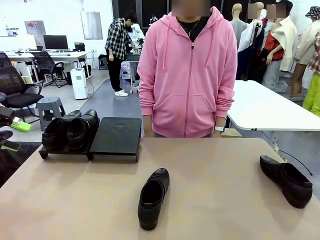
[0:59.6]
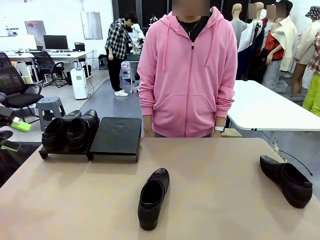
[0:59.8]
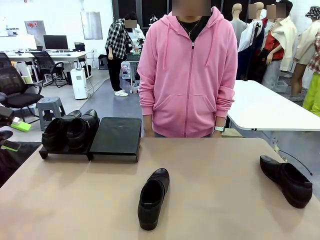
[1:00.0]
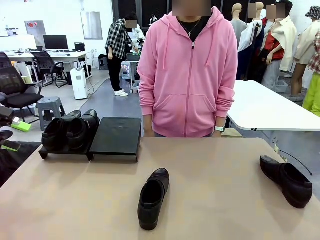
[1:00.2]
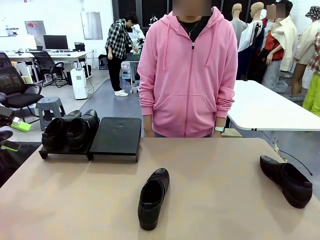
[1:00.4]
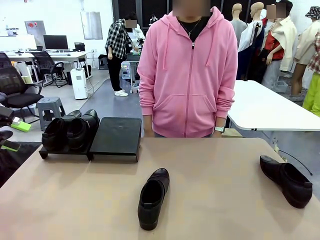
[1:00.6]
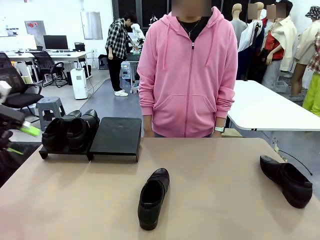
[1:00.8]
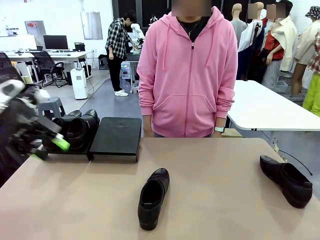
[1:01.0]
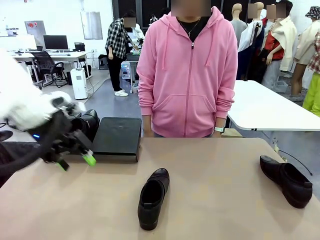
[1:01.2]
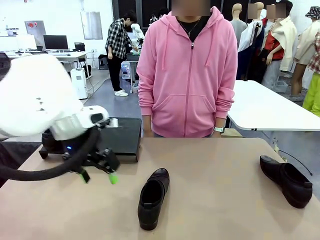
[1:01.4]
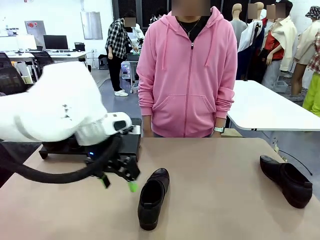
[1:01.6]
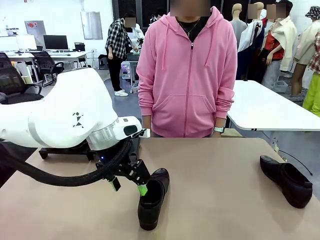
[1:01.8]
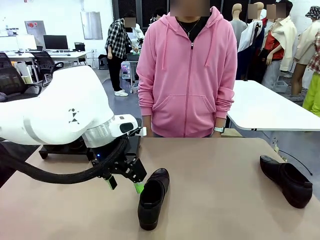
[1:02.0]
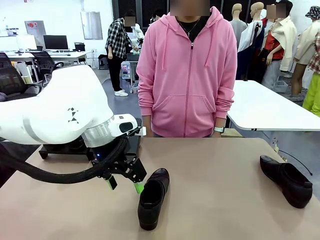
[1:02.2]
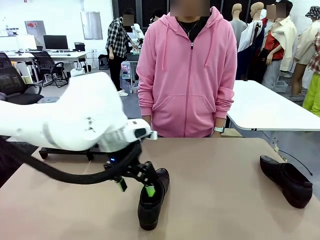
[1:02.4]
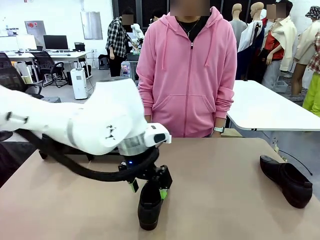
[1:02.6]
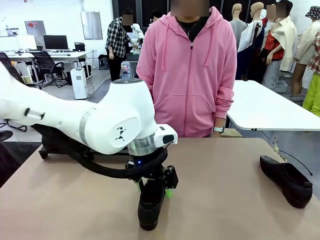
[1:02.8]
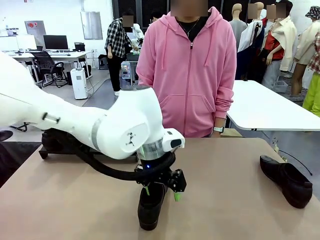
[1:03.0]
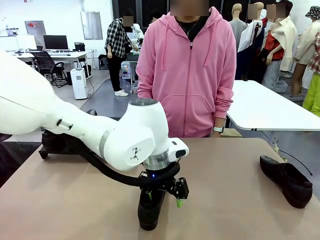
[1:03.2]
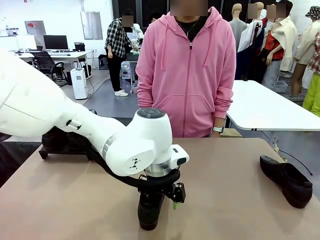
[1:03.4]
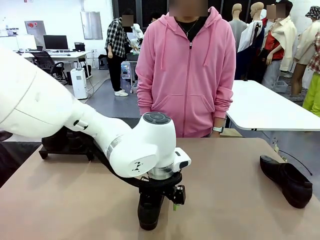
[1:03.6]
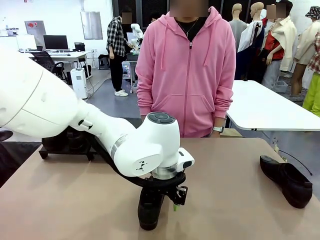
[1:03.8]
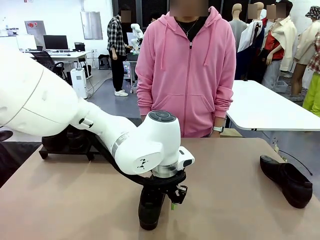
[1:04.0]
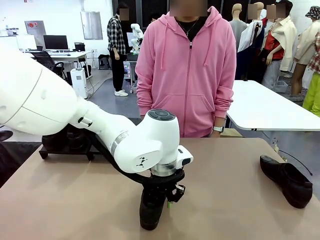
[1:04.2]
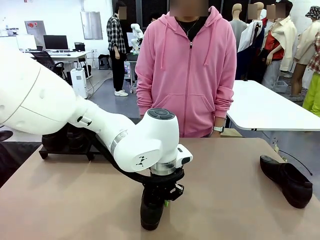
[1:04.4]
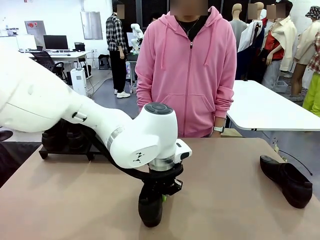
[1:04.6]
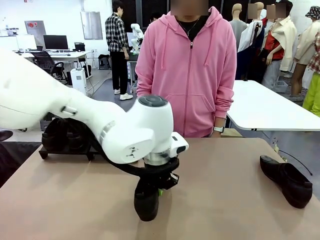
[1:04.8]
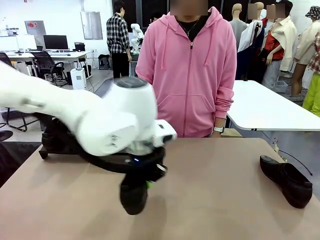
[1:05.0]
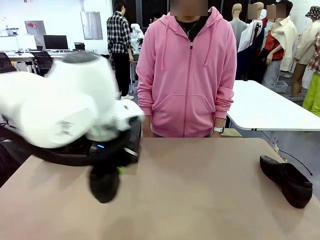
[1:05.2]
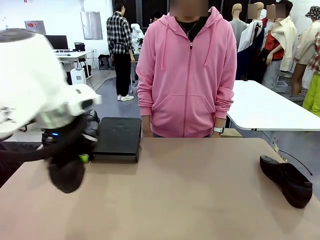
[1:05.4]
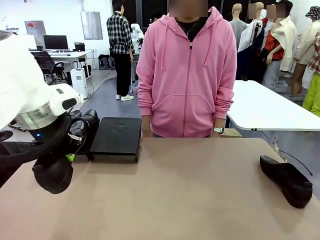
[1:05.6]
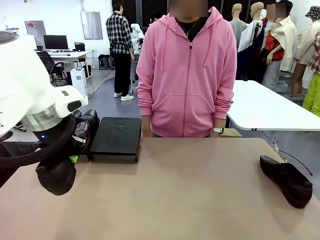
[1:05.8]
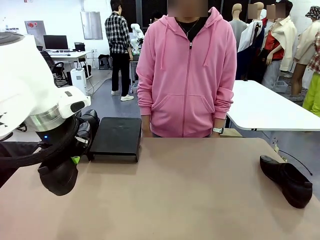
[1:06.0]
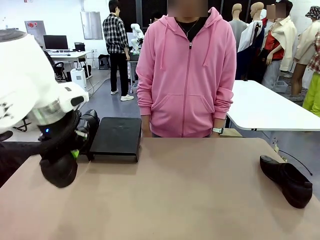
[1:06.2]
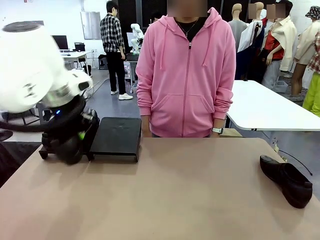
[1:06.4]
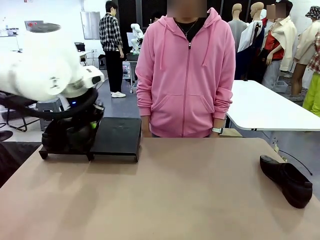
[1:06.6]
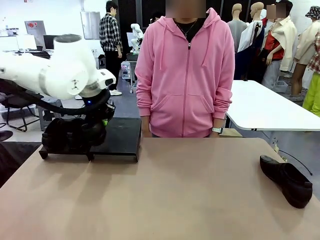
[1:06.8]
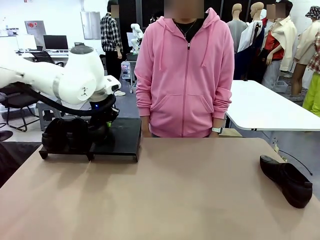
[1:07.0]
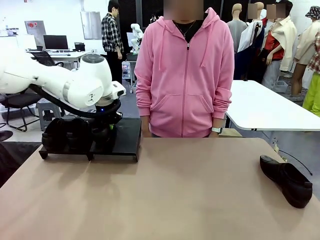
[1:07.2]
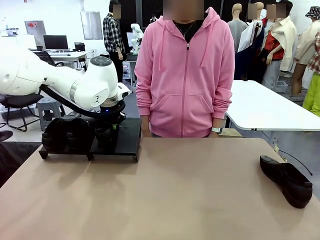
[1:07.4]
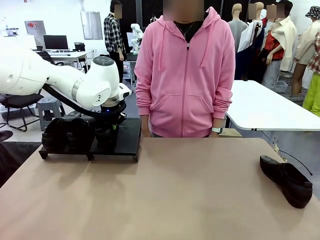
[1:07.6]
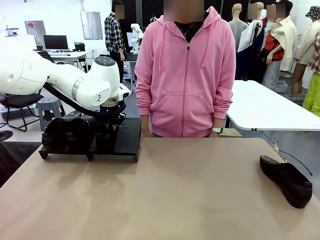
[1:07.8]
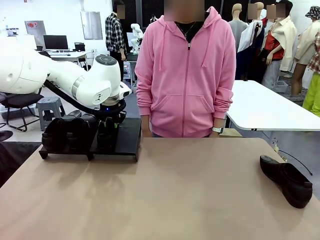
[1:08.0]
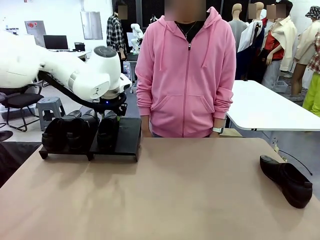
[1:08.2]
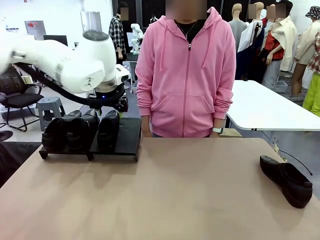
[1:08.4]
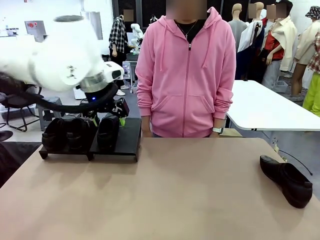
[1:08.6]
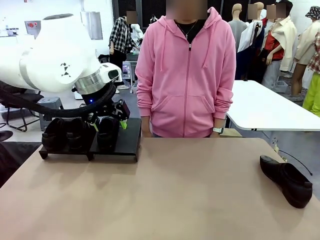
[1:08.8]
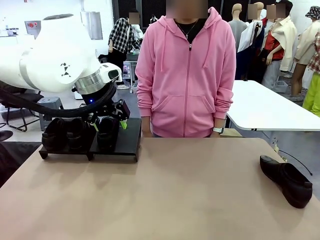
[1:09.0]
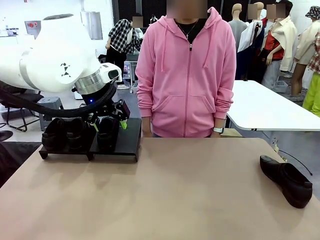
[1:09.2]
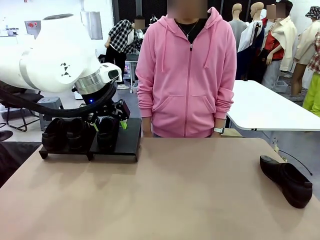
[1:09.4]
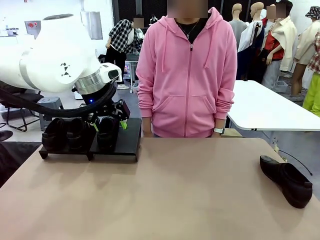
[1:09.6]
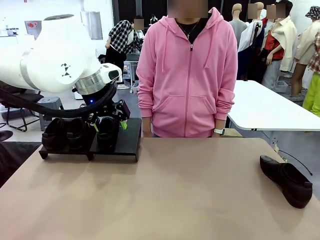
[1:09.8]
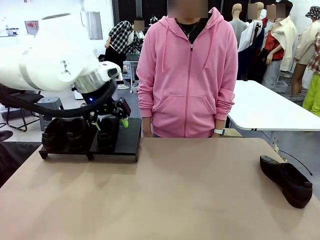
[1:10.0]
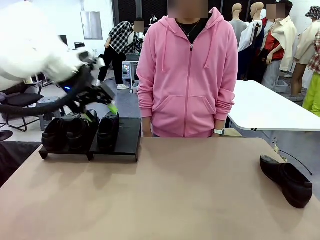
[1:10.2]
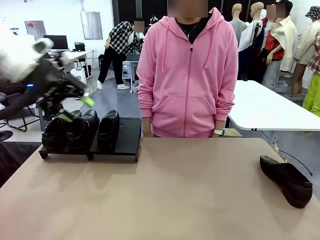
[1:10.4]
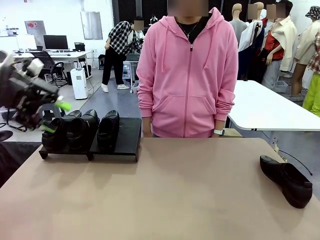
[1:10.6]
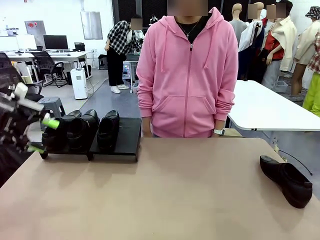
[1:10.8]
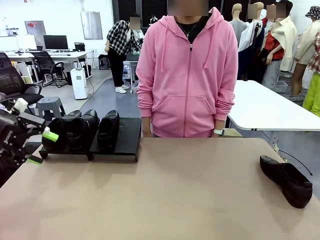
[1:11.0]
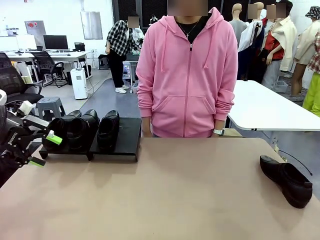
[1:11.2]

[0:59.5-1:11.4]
Task: Organize the shoes by placing them on the stand.
Robot: Place the Shoe from the middle of the table onto the Shoes Stand.

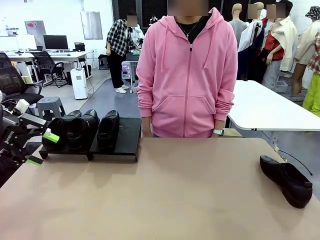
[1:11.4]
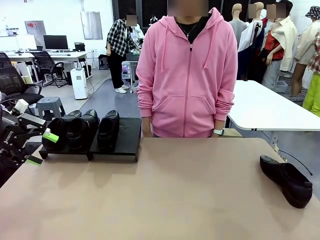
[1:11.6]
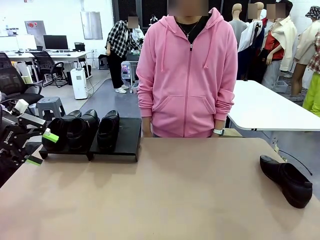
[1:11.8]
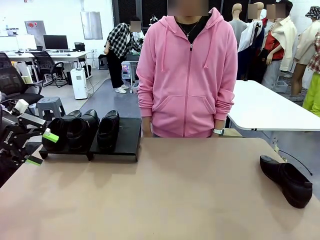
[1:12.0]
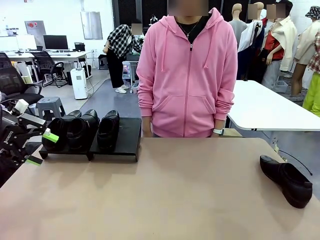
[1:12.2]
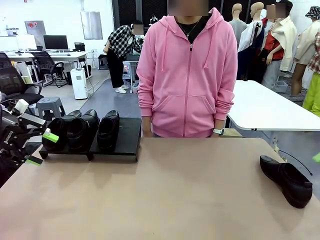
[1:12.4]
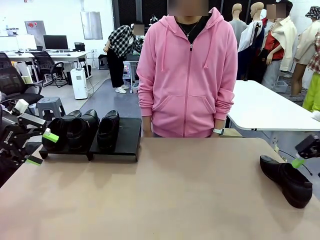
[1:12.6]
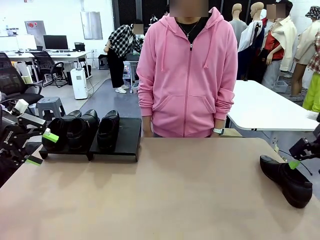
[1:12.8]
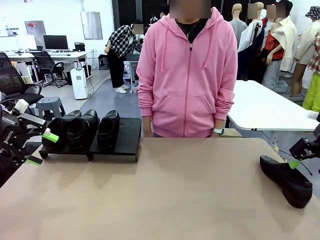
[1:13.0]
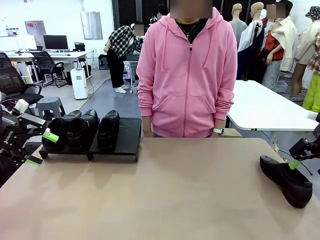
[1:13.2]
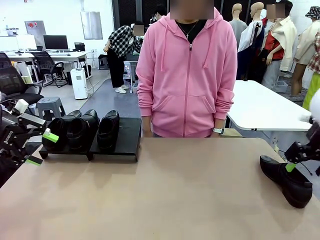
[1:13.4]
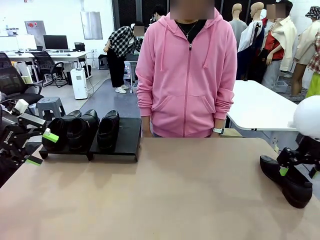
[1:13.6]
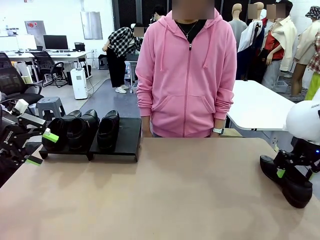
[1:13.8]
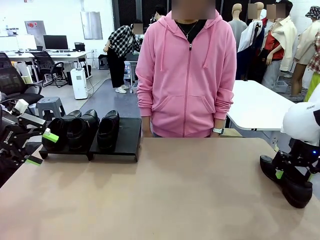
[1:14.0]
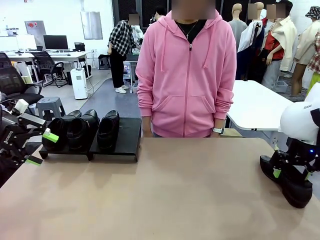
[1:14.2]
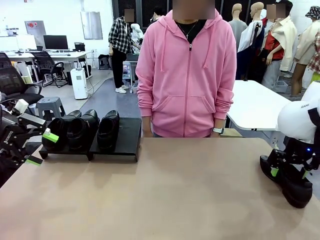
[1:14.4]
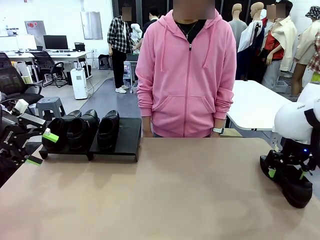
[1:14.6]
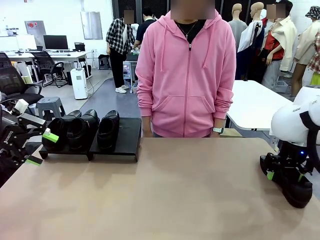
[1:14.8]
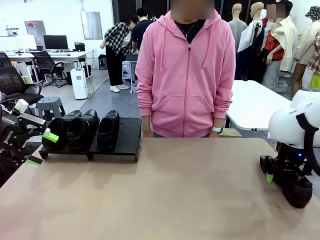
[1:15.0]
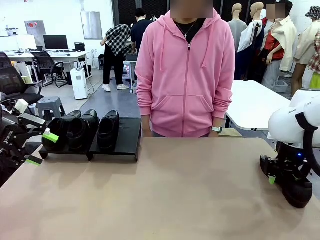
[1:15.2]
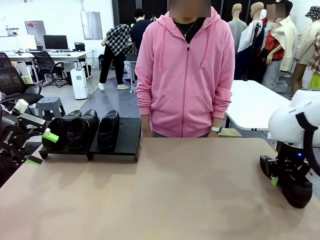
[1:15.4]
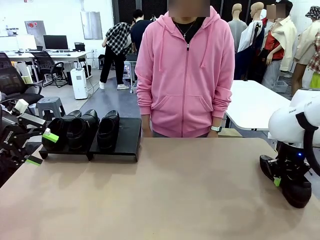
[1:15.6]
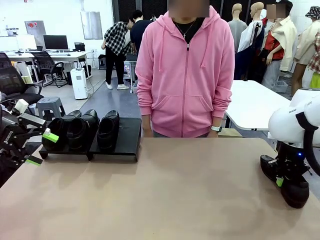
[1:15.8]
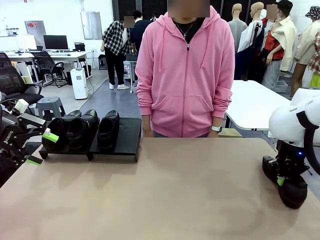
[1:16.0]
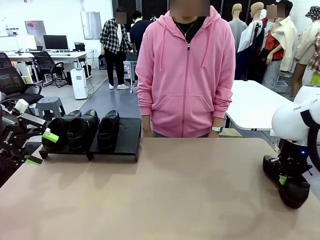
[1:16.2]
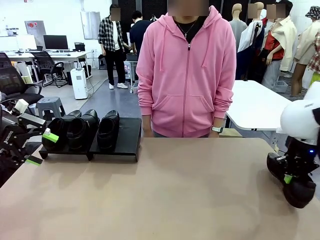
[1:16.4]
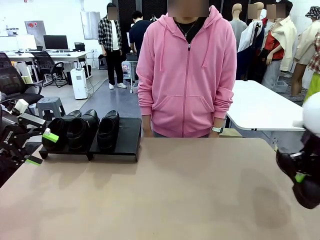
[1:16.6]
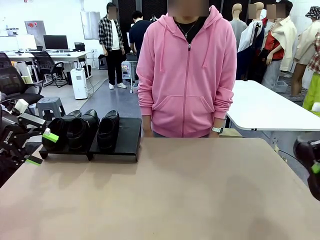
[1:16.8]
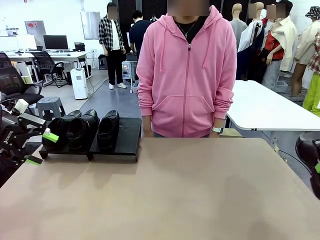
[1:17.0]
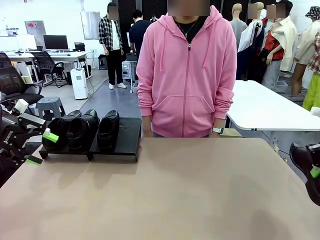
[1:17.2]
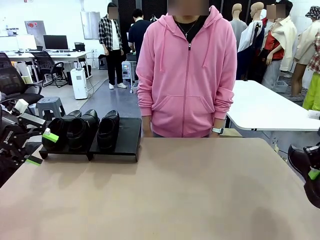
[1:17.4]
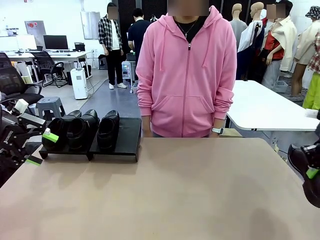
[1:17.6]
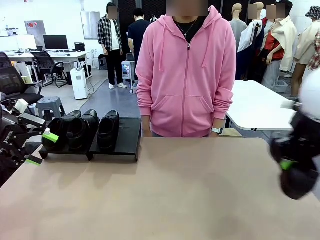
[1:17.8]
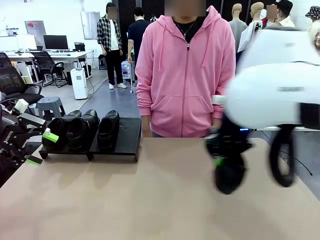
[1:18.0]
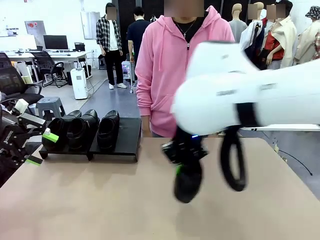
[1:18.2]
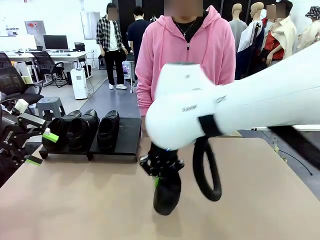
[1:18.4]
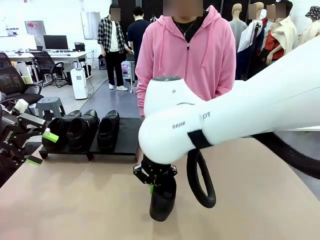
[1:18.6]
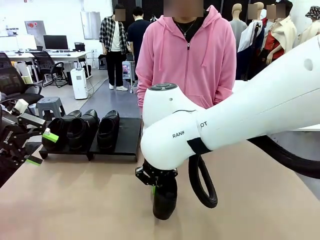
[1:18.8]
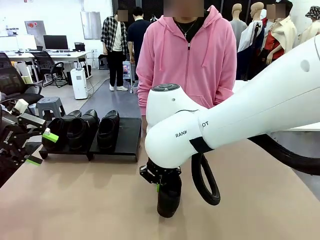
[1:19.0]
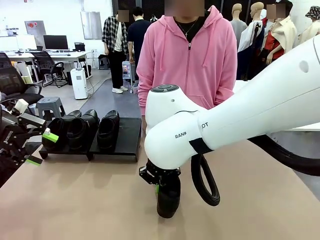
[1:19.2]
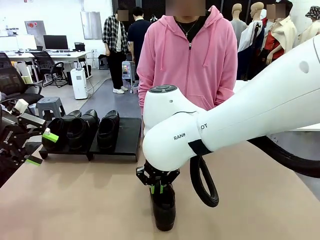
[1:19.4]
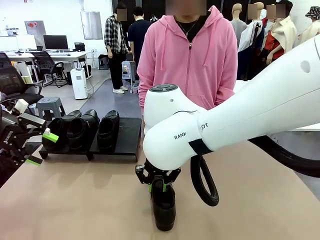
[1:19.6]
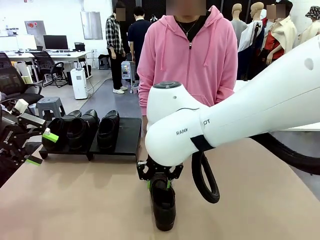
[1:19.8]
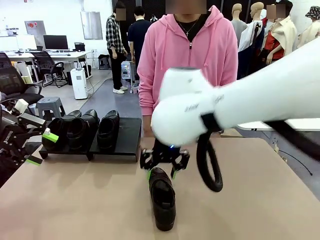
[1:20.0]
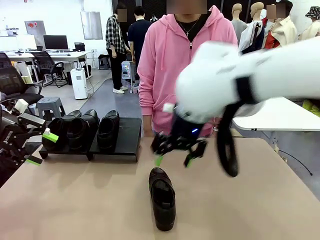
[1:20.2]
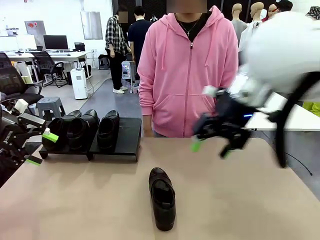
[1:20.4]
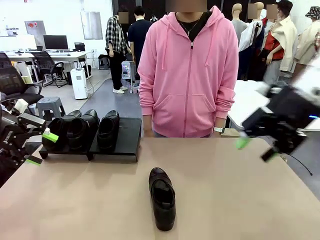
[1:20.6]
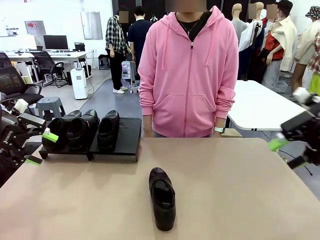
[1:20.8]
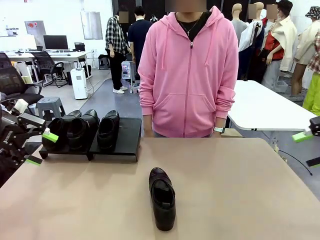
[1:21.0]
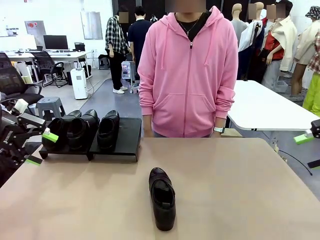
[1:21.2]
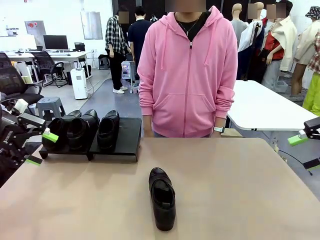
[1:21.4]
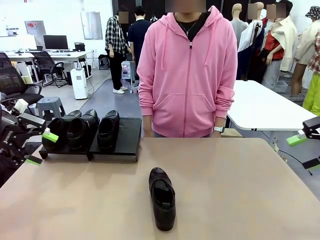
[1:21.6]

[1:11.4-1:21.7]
Robot: Pick up one Shoe and place it in the middle of the table.
